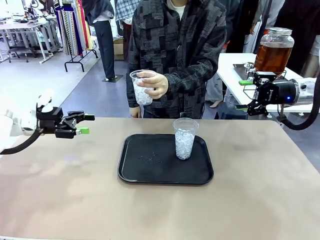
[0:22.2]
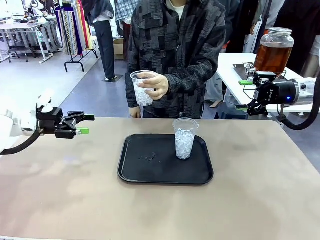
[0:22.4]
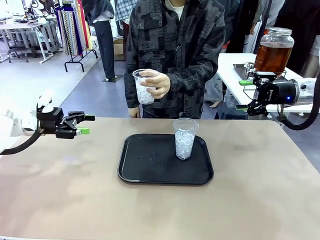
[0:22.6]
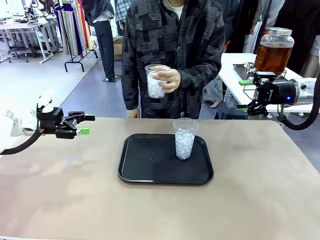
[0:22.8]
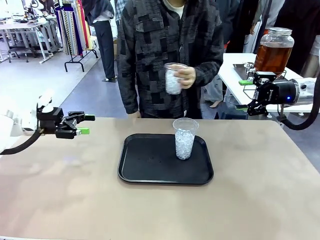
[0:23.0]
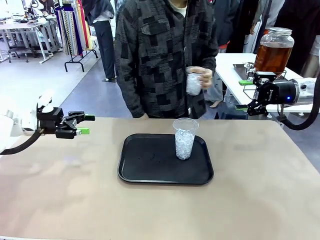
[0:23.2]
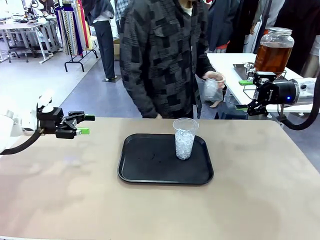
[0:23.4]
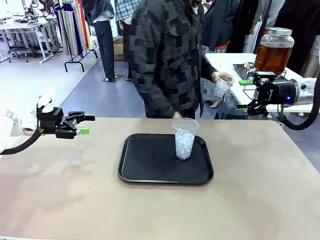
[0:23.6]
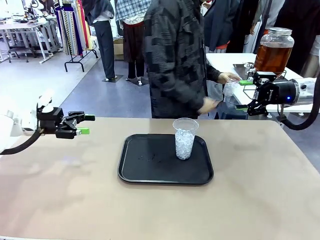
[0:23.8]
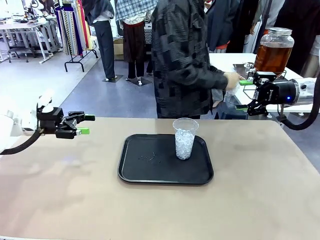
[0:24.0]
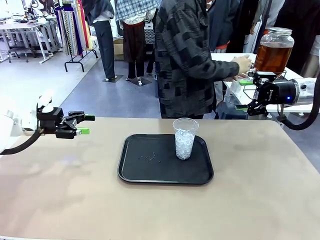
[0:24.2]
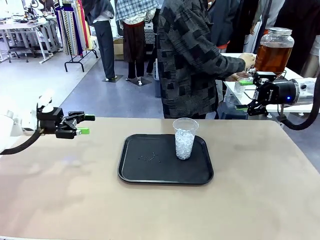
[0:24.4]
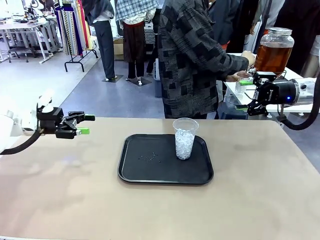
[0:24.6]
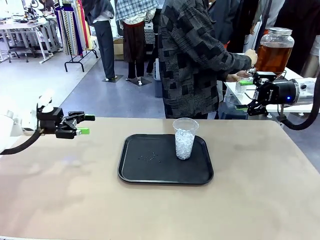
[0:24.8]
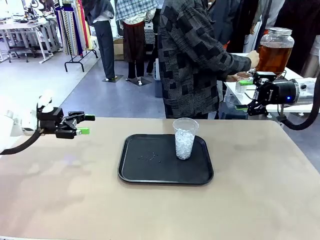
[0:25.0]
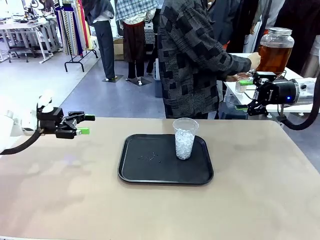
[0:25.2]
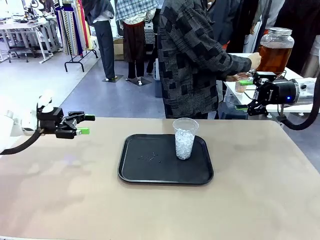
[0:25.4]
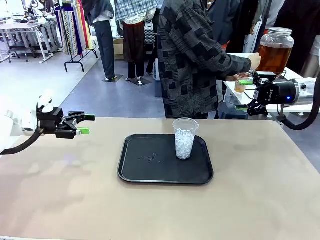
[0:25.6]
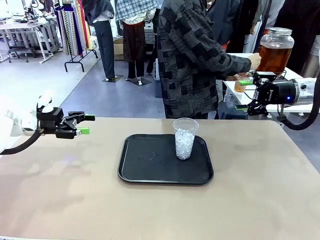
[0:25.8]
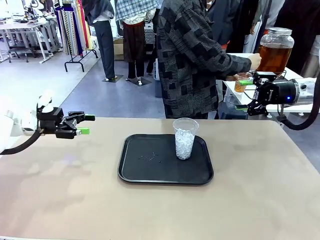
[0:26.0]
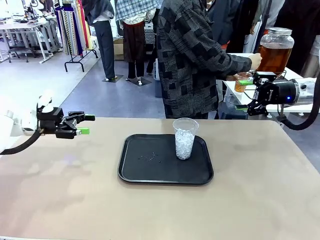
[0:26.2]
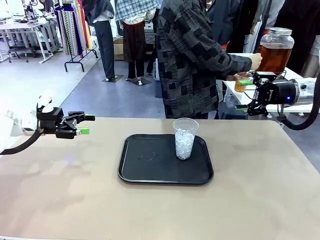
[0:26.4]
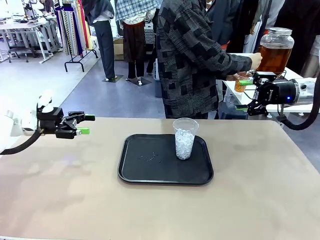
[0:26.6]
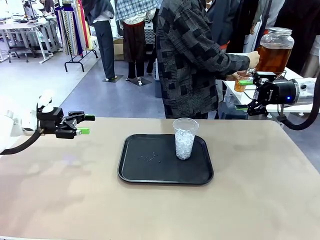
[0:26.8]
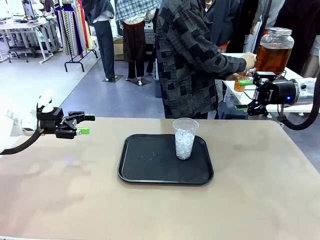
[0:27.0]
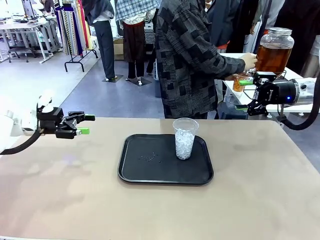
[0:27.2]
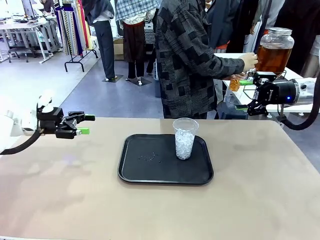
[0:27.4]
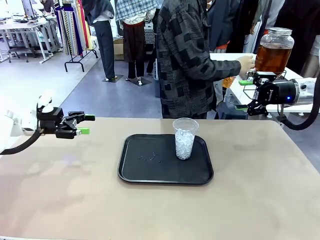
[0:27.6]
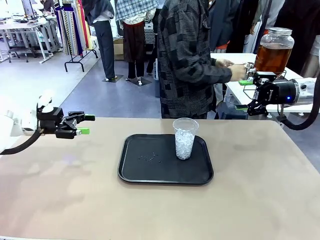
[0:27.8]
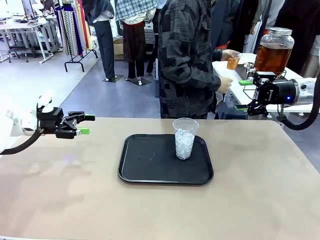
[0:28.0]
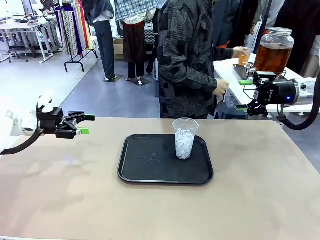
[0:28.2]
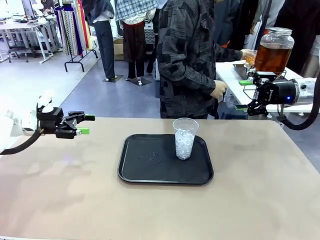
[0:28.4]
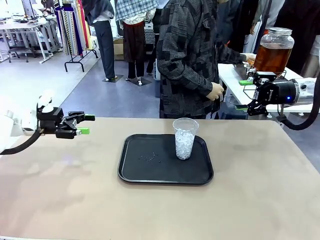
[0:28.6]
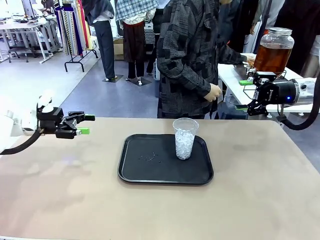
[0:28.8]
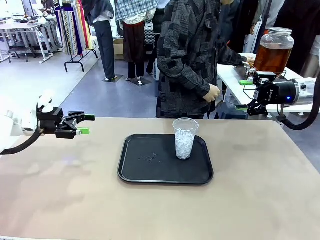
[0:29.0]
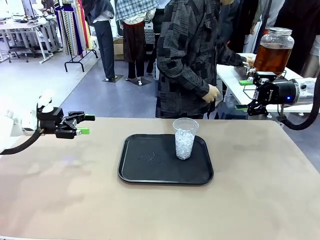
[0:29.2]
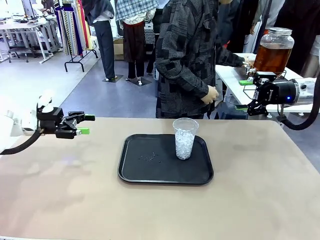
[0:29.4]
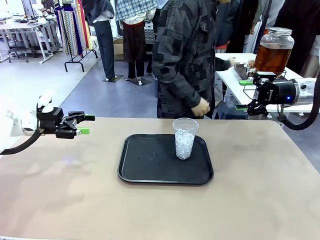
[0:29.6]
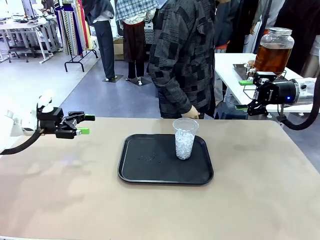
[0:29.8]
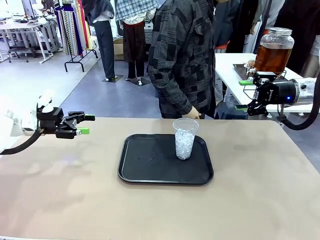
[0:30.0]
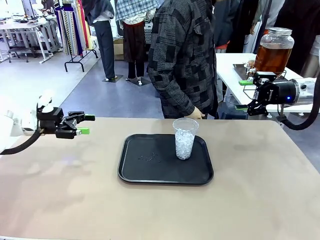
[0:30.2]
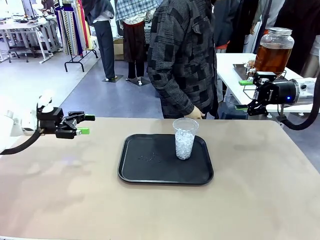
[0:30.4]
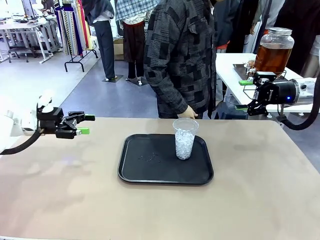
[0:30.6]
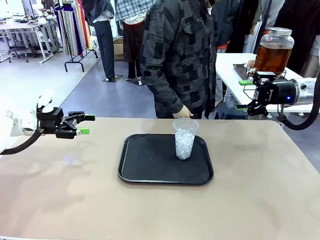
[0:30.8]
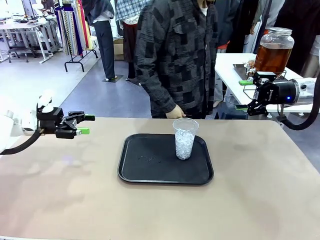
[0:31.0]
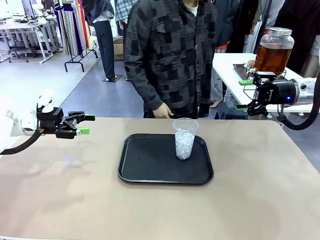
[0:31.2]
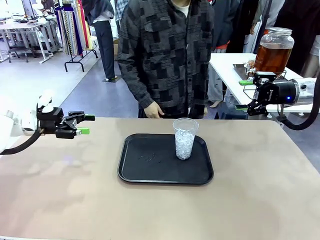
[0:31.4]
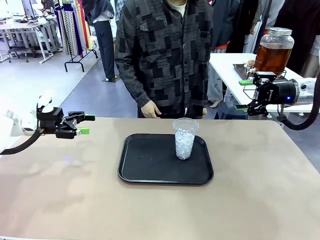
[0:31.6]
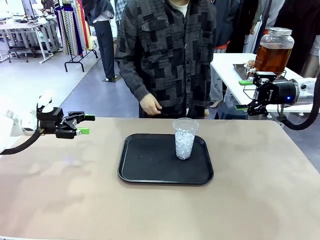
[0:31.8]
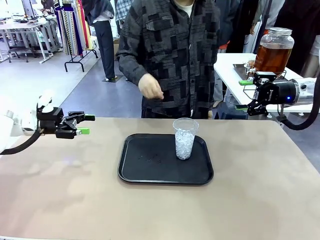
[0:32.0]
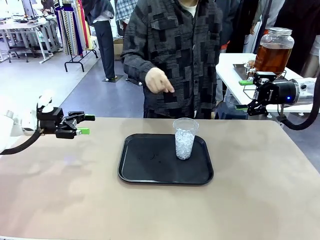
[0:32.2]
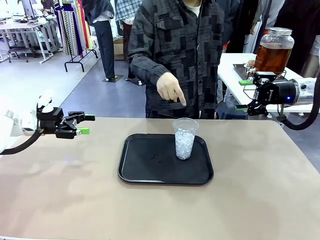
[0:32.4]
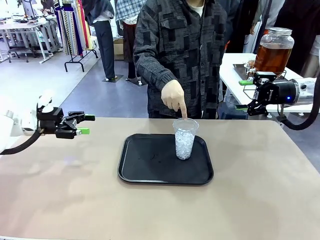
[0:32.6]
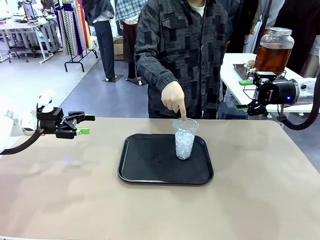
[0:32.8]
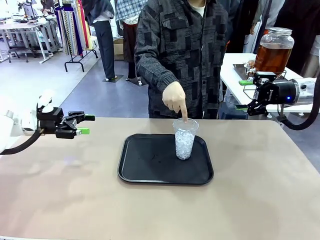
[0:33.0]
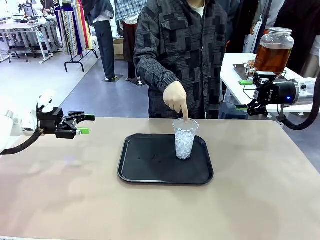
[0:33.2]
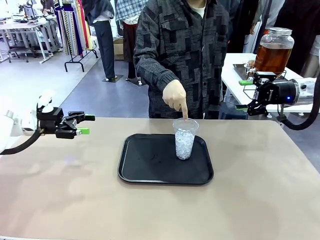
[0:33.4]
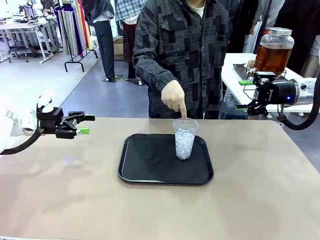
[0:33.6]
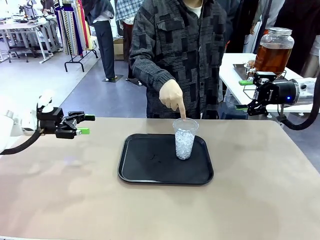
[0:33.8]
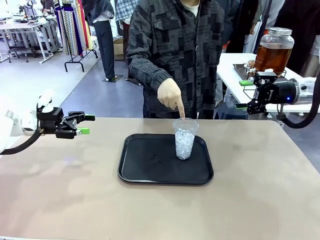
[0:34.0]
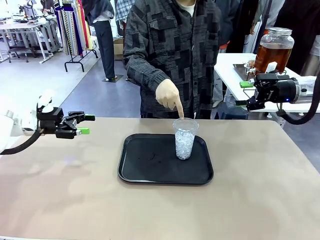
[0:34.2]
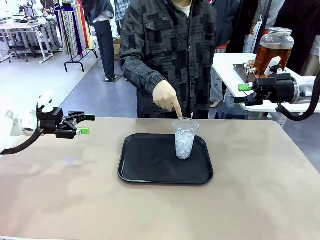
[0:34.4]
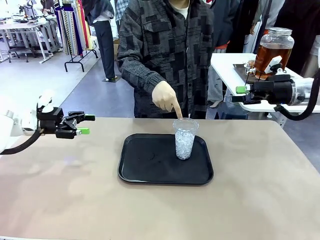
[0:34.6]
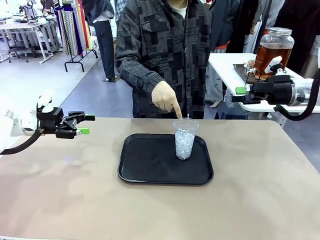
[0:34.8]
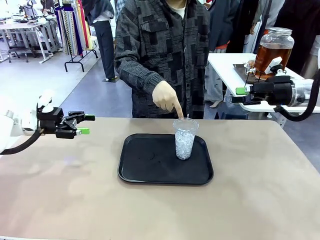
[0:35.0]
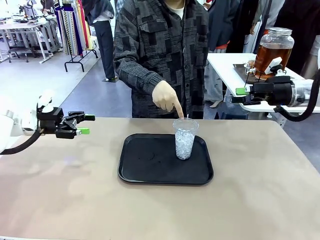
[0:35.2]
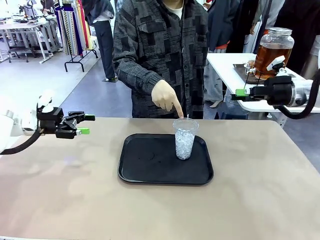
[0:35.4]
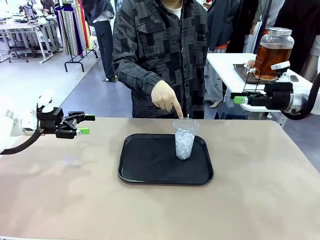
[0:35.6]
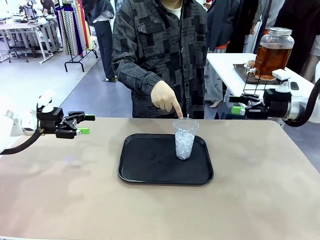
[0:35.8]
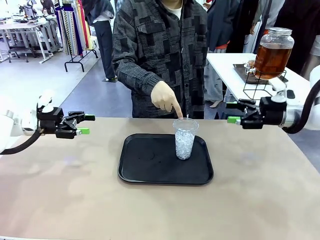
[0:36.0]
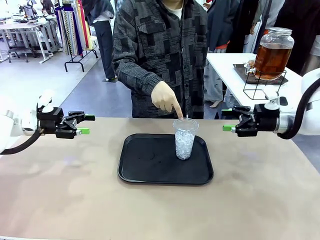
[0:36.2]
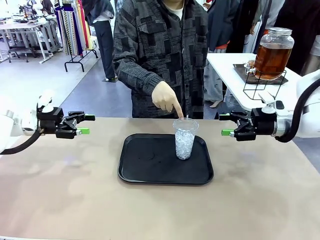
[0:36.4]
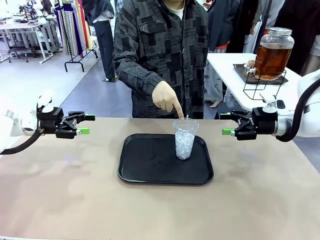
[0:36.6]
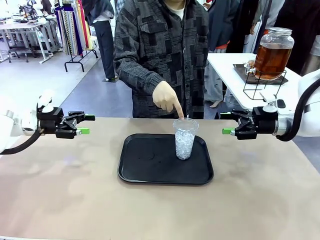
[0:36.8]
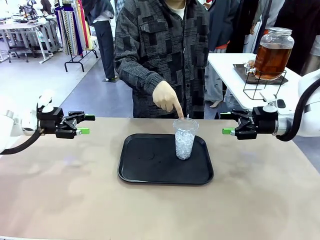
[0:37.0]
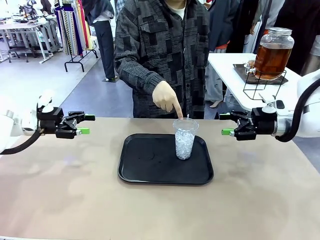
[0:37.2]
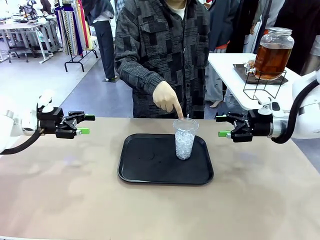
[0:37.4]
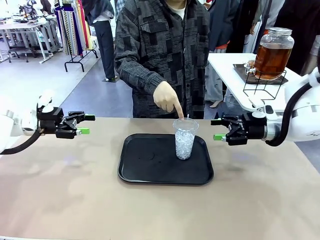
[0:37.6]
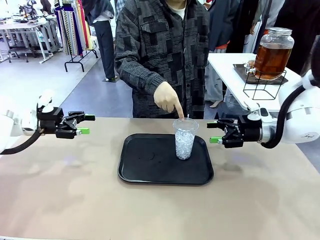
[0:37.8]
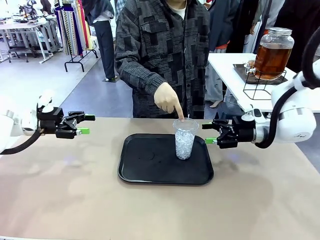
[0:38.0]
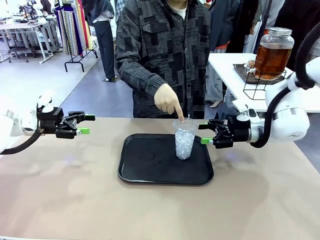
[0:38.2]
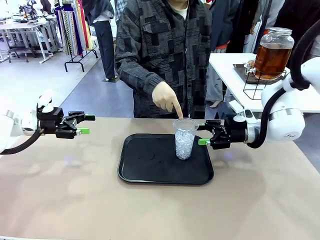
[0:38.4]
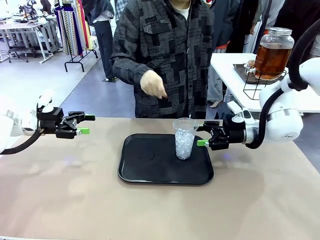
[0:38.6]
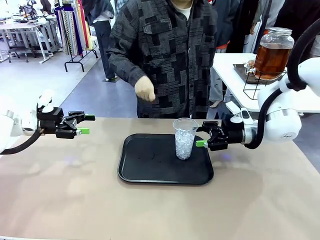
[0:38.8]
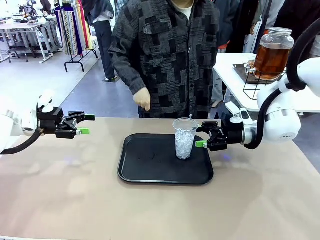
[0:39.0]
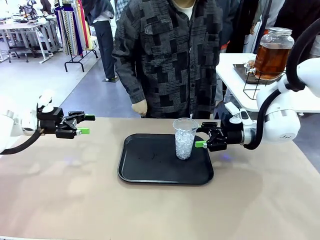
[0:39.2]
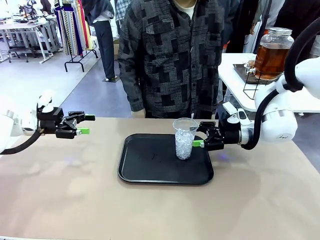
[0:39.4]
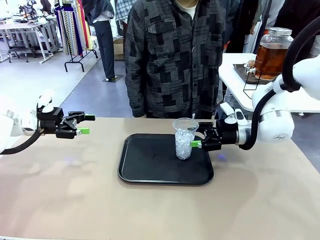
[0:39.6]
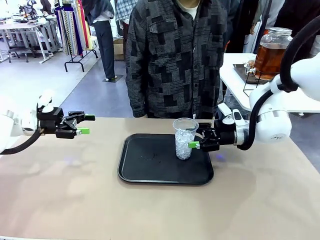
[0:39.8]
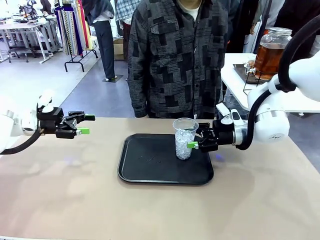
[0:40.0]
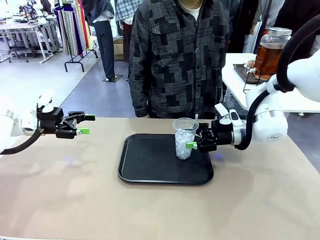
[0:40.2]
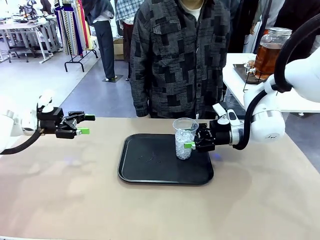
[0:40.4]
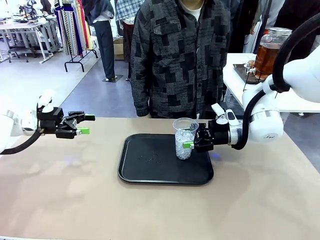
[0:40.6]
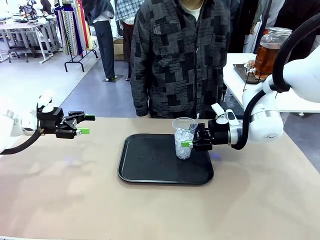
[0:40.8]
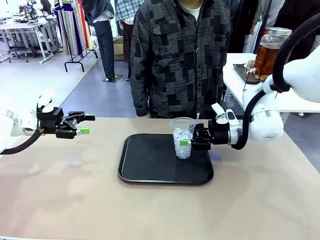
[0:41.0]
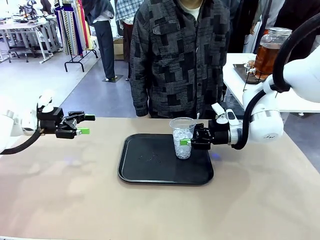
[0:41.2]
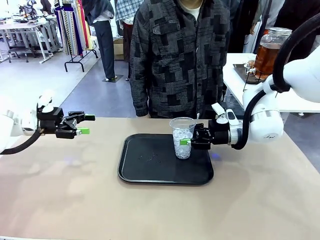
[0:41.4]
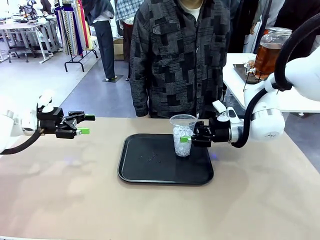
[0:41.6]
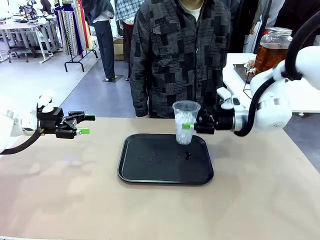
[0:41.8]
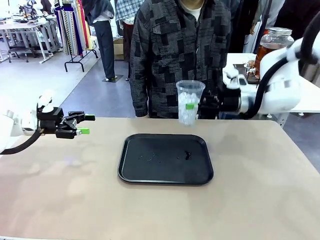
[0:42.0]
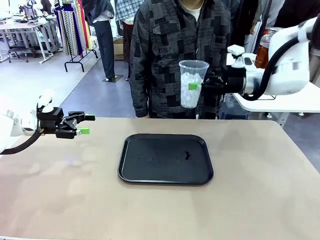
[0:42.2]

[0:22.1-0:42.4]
Task: Pour the drink into the iced cup.
Robot: Pick up the iced cup indicated by the human and present it to them.
Person: Move the picked-up cup under the dispenser faucet, pour the drink, and place it on the tray on the human table. Point to the remaining ice cup on the robot table. Pick up the cup offered by the robot.
